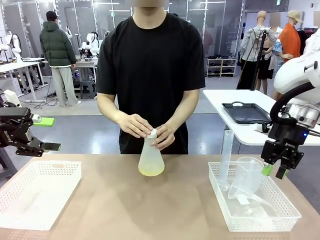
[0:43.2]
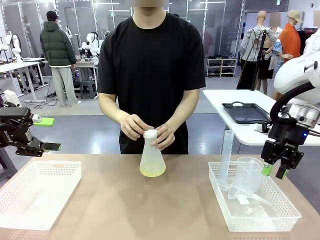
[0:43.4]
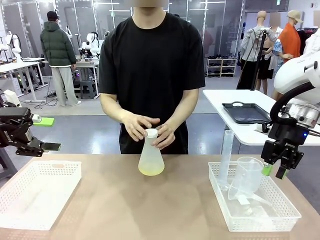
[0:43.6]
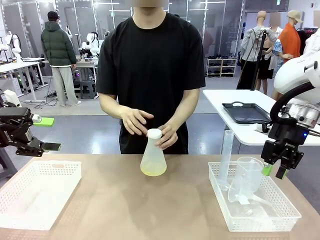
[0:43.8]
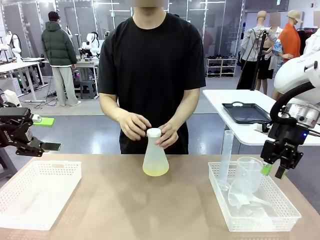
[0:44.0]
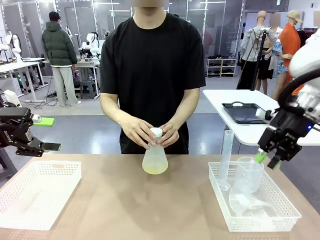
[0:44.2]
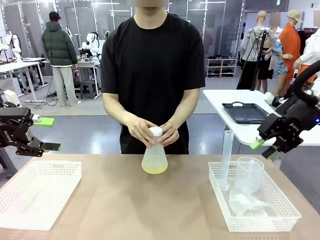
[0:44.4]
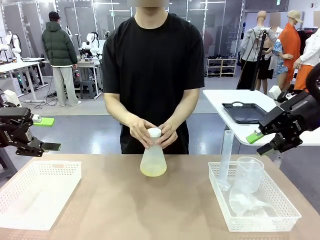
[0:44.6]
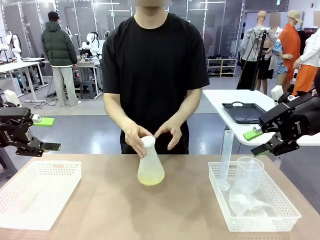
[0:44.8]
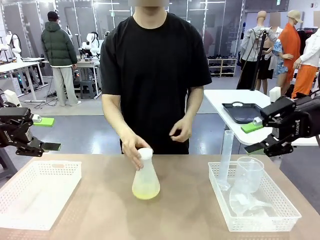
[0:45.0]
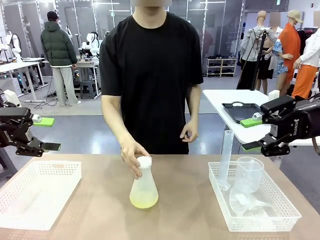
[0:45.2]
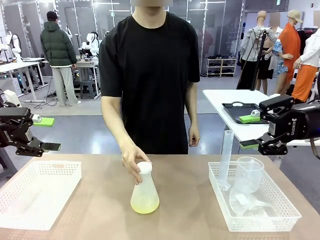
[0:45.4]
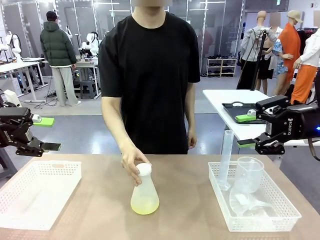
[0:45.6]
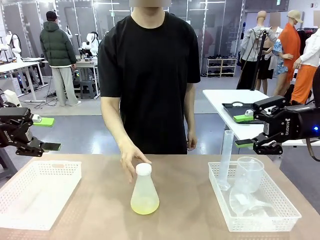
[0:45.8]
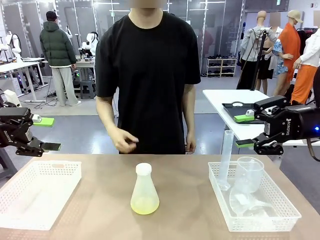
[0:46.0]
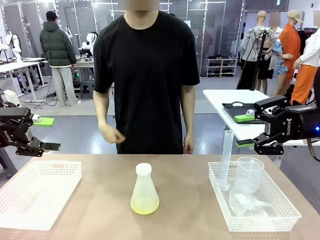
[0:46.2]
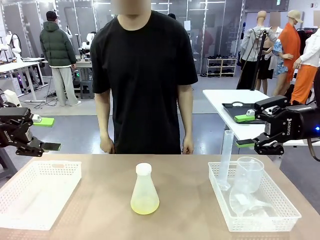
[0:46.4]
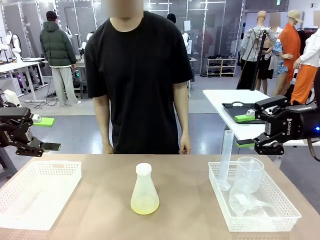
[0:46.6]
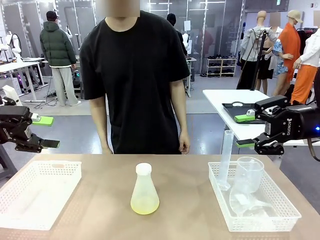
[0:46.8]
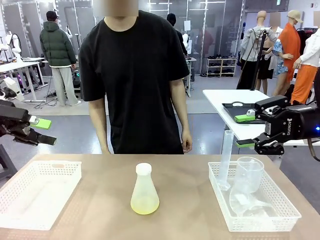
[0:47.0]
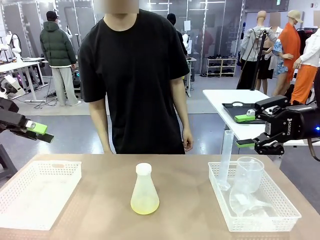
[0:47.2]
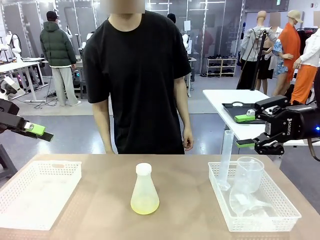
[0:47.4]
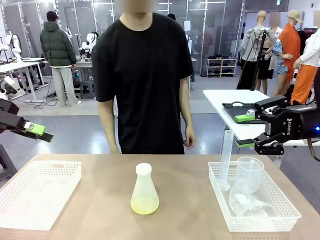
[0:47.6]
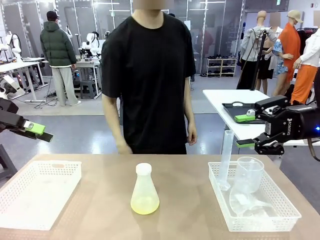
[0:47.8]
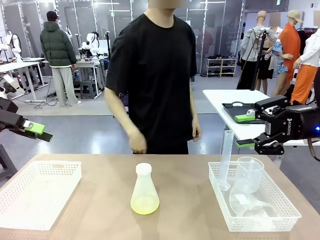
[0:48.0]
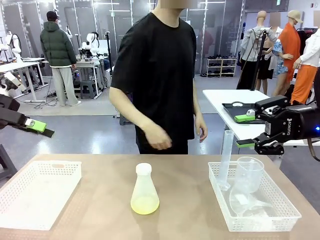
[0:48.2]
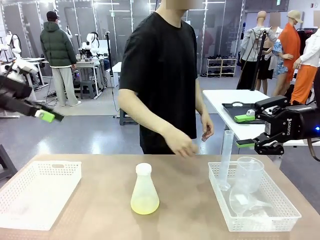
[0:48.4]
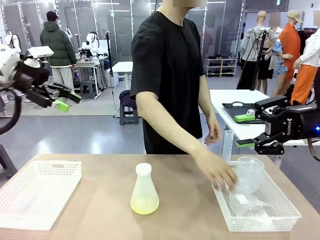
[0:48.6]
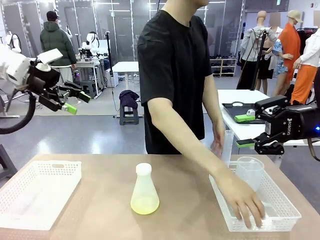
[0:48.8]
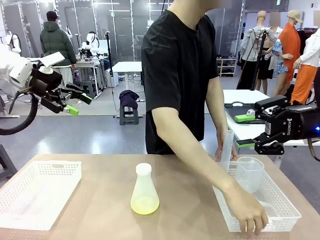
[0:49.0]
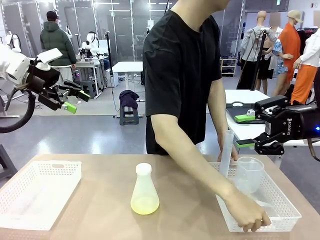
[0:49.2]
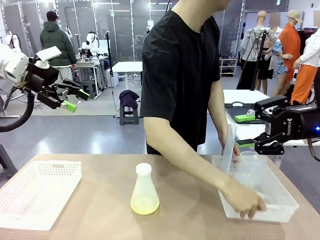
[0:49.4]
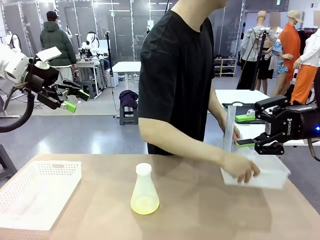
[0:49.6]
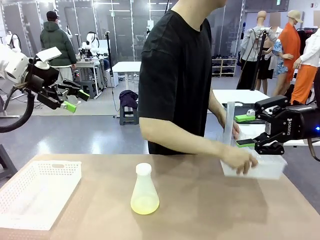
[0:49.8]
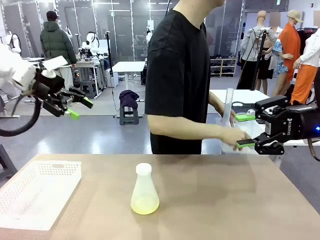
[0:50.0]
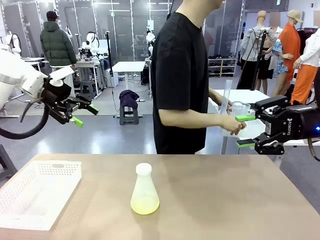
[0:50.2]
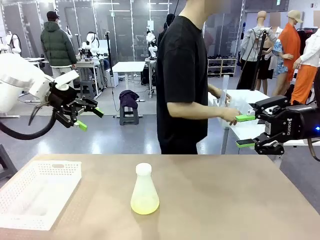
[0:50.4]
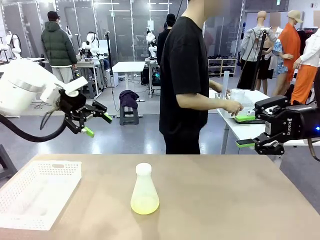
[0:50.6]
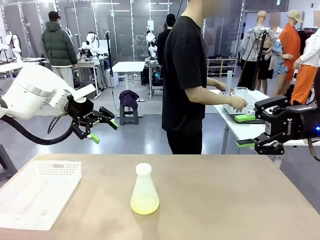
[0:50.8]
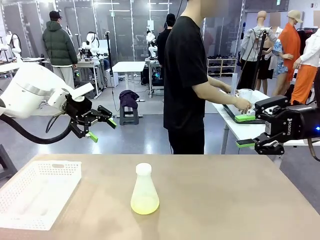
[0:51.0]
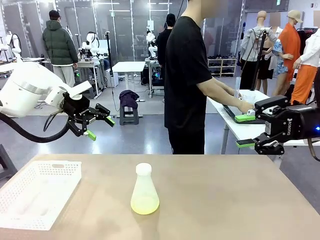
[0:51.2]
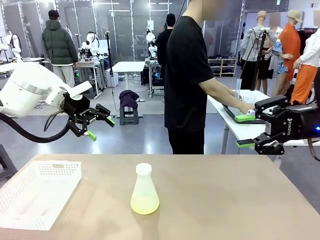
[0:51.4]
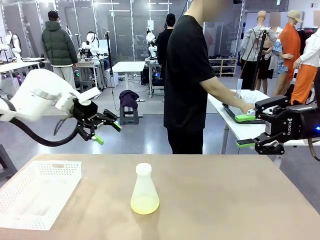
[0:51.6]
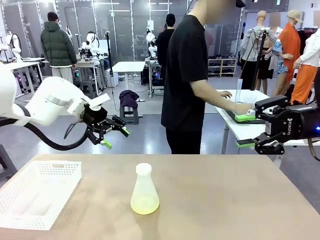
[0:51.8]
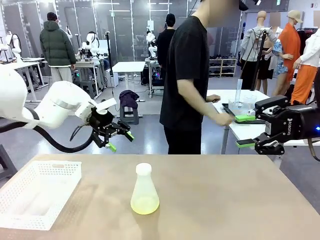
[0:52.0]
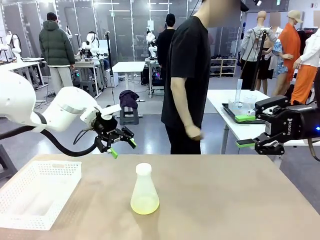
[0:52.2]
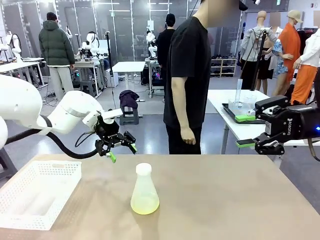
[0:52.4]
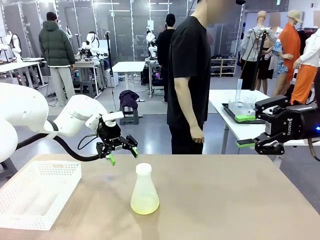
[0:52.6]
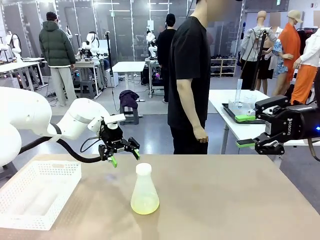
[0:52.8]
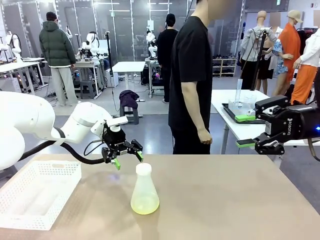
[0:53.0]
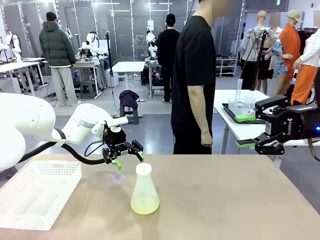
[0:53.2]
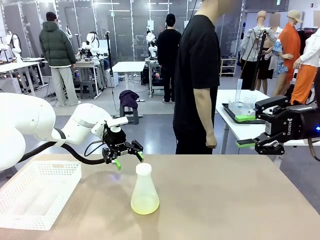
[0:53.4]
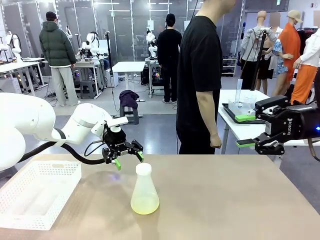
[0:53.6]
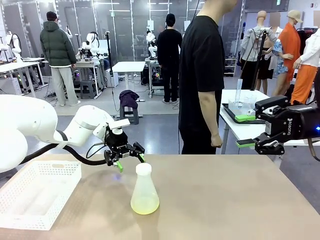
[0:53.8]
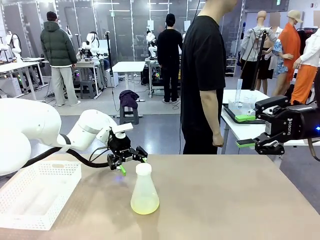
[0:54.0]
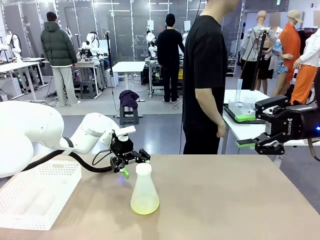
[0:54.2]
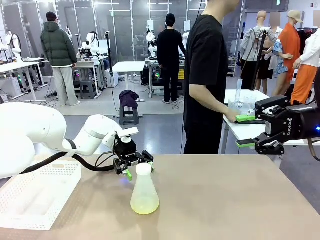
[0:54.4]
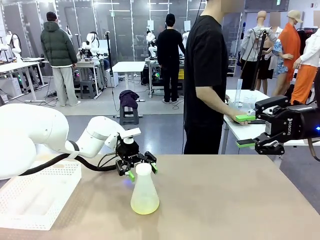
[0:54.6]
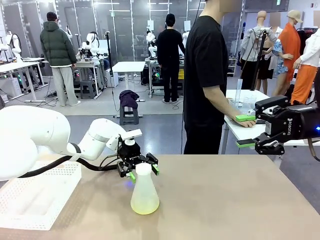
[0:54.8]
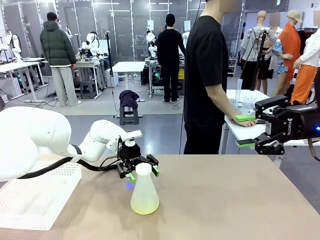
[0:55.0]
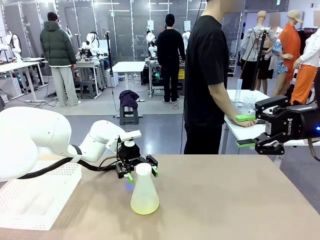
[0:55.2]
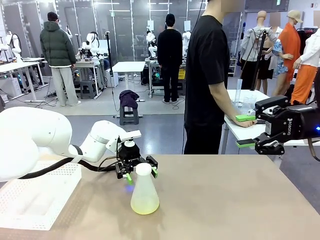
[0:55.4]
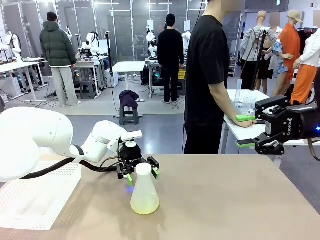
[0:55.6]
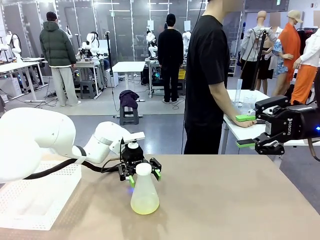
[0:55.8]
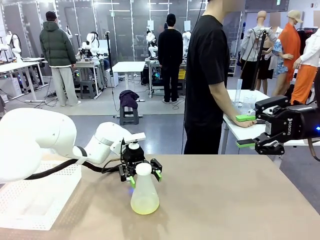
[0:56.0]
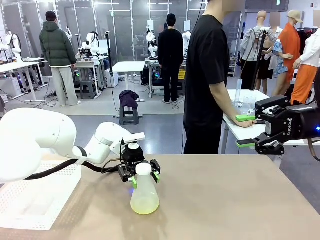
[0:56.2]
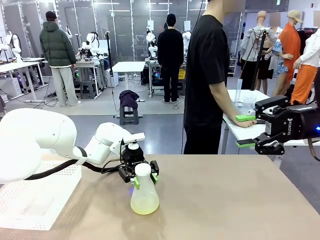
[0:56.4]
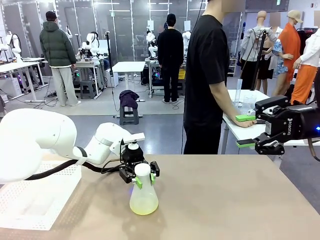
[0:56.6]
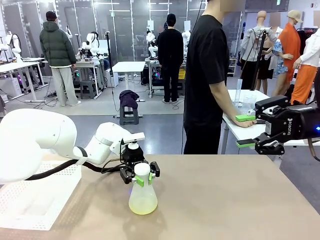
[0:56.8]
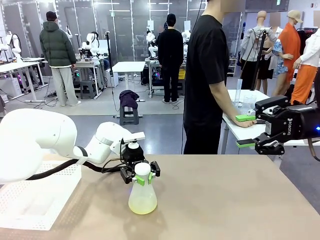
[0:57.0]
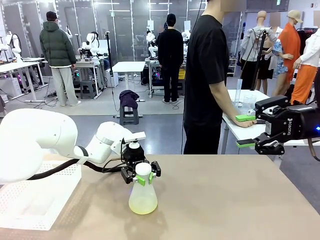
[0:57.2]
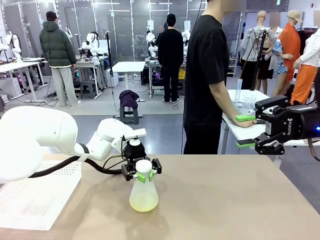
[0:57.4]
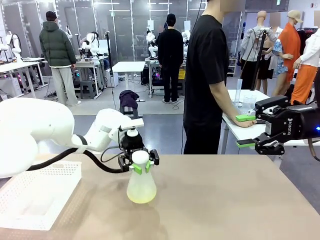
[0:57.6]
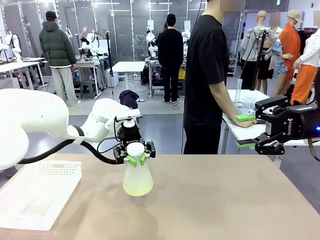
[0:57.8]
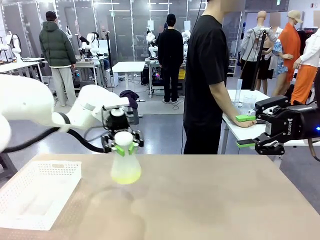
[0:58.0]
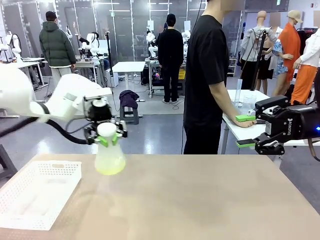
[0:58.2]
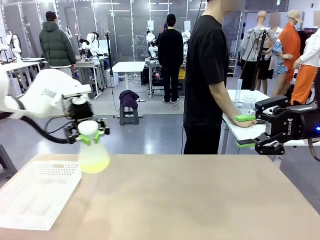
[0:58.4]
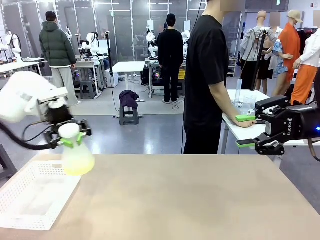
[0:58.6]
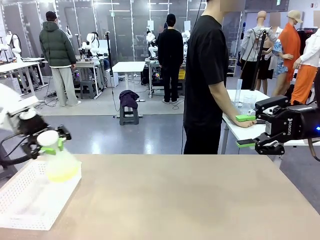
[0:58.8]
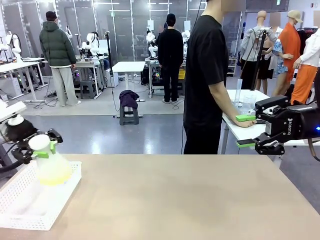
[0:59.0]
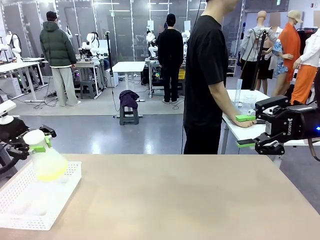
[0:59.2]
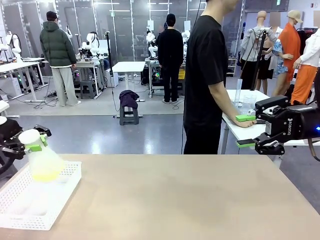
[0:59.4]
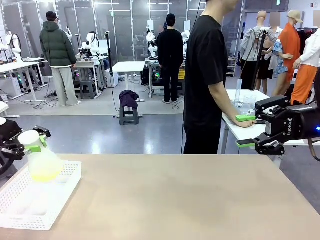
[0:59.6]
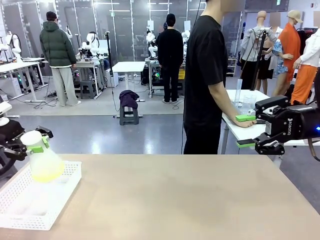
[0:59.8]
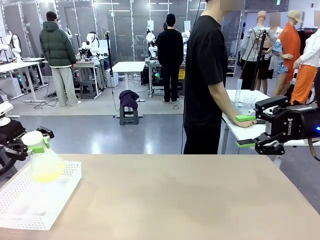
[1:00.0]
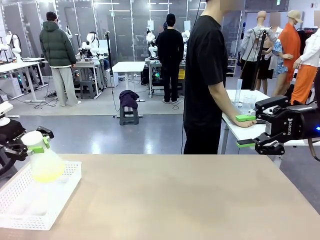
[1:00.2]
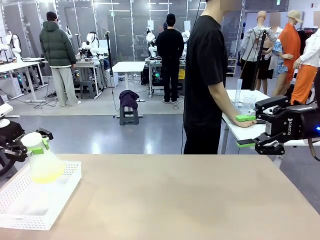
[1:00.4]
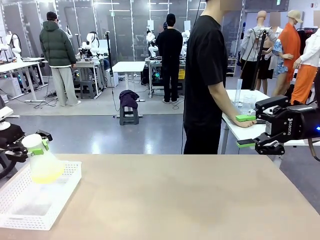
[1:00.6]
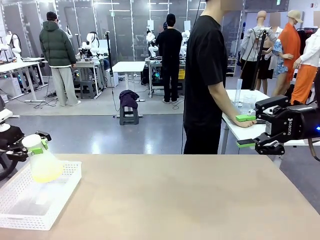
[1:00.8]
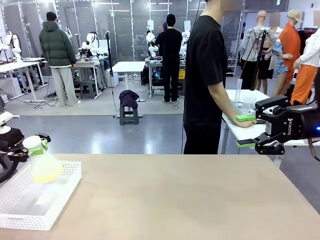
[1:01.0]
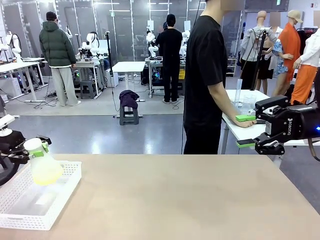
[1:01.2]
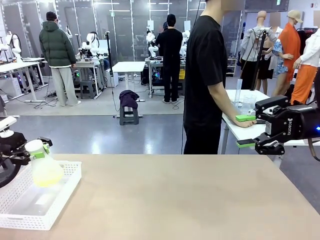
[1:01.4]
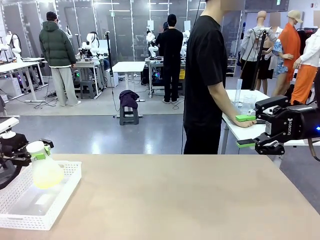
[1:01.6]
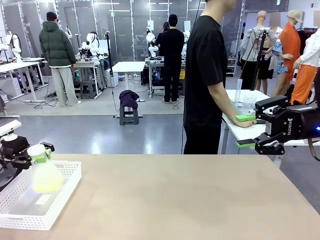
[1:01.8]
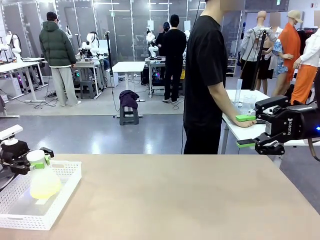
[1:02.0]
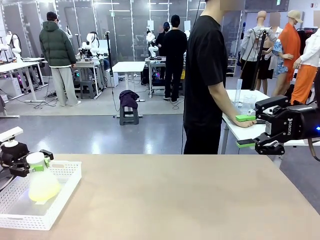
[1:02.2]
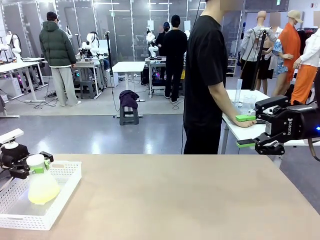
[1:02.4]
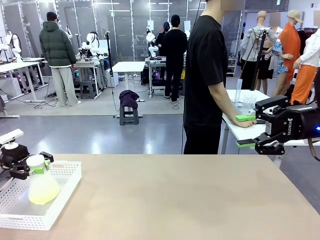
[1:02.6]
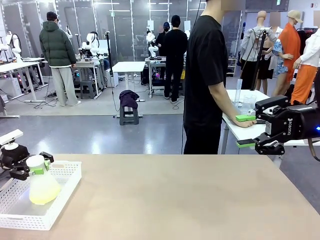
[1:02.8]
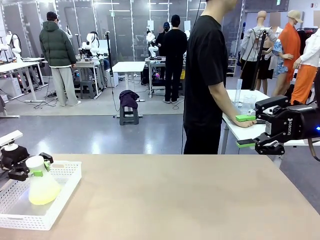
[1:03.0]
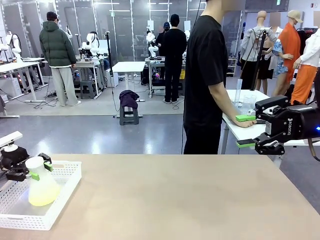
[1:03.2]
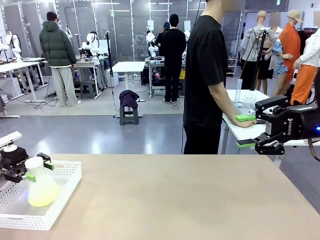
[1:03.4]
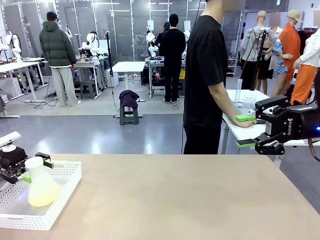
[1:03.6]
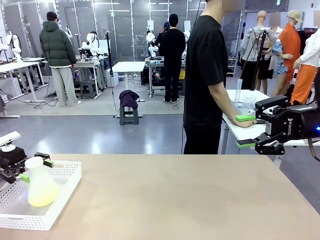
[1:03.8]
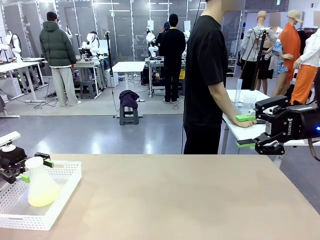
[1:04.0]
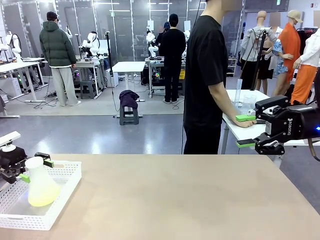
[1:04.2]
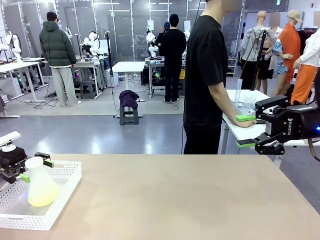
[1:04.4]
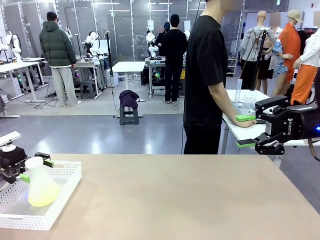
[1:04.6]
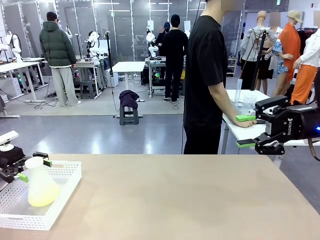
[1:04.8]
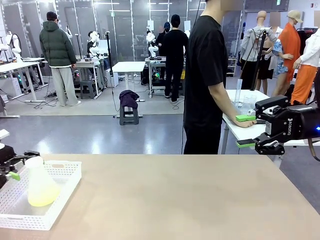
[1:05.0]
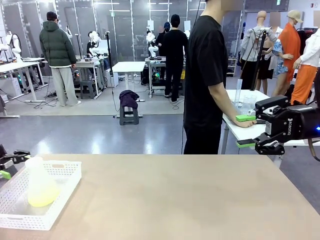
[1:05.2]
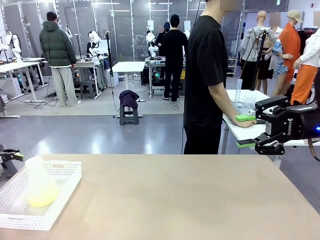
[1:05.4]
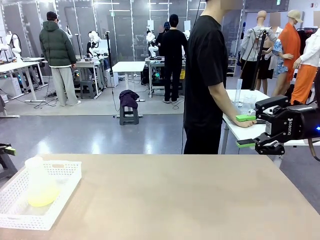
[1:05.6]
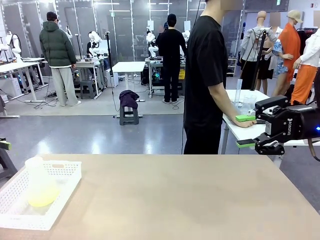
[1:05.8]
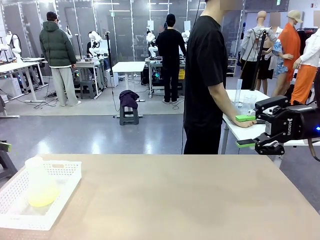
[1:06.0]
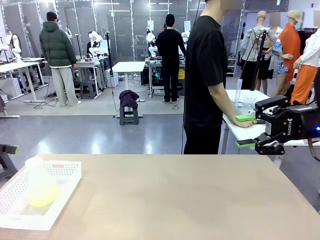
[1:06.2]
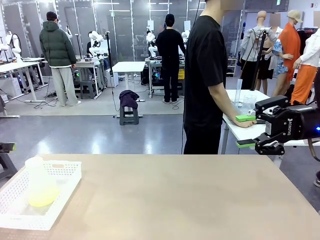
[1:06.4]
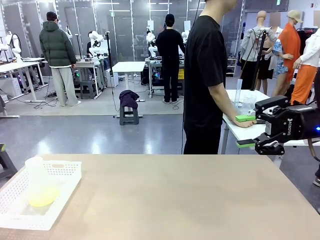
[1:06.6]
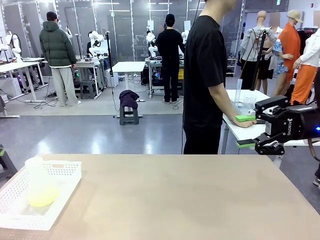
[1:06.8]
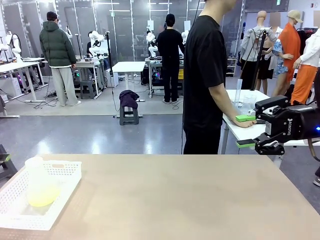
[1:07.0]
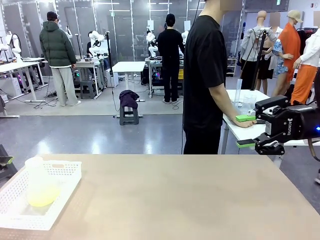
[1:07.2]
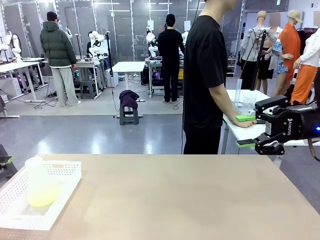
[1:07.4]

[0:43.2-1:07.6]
Task: Prepare the solutions needed for the experiment.
Robot: When the human places the Big flask in the center of the table, pick up the Big flask and place it in the left Organizing basket.
Person: Pick up the organizing basket on the left side of the robot table and place it on the left side of the human table.
